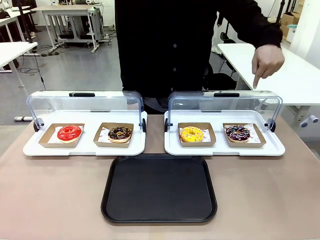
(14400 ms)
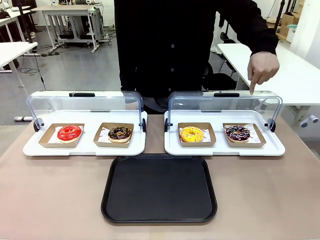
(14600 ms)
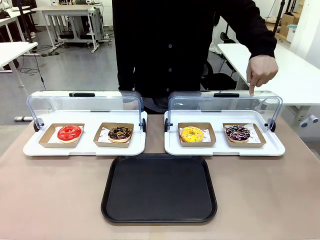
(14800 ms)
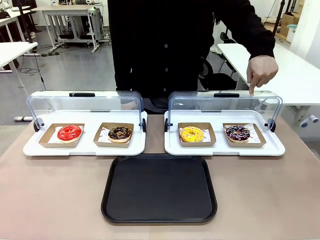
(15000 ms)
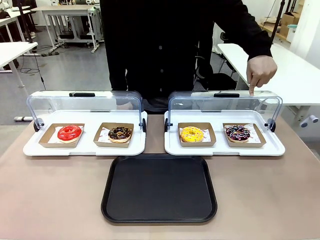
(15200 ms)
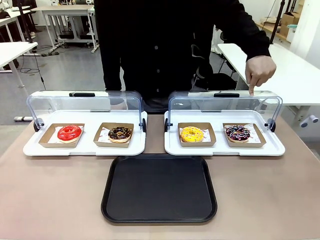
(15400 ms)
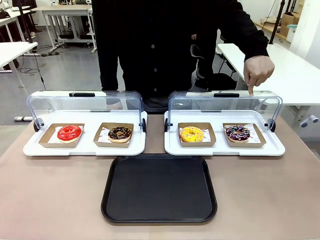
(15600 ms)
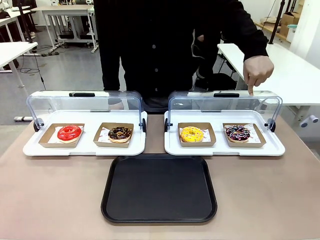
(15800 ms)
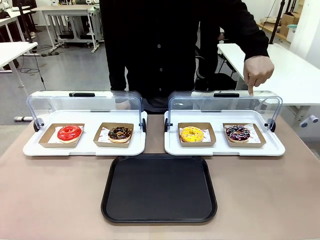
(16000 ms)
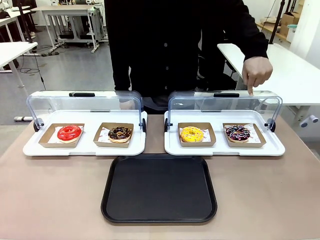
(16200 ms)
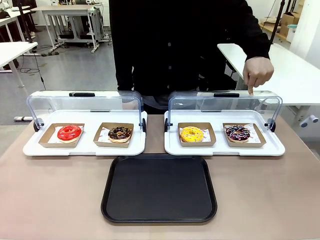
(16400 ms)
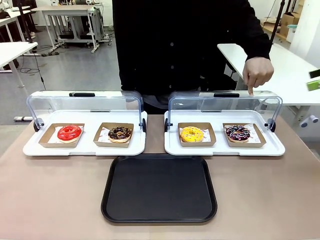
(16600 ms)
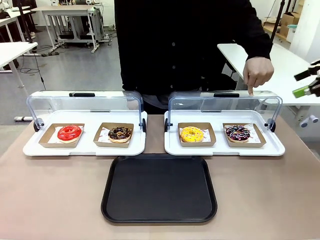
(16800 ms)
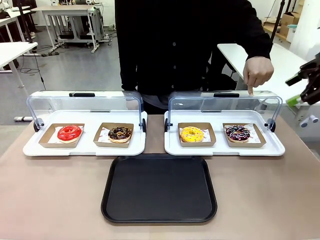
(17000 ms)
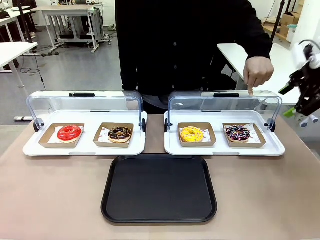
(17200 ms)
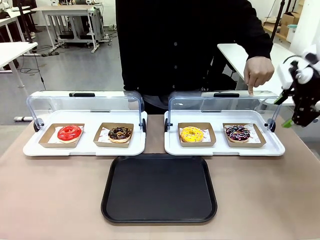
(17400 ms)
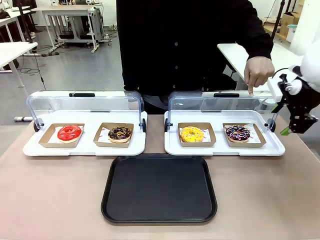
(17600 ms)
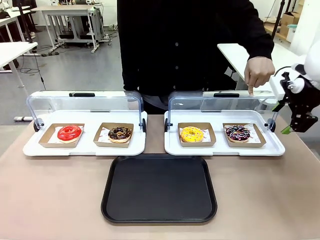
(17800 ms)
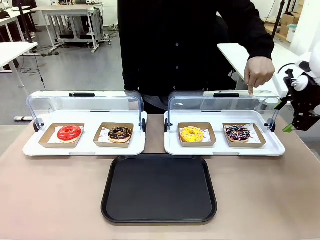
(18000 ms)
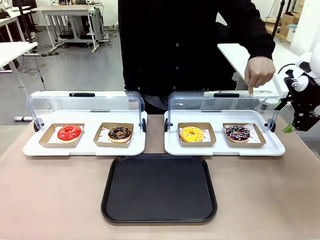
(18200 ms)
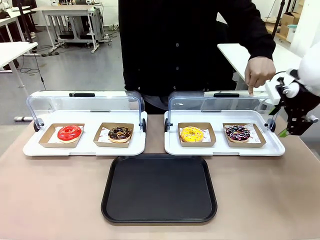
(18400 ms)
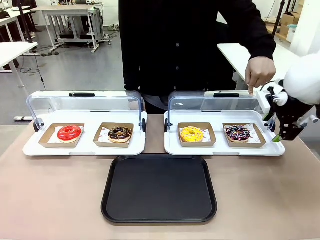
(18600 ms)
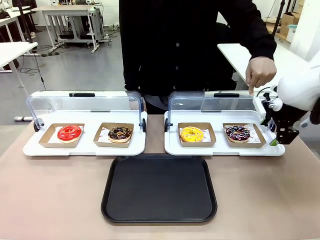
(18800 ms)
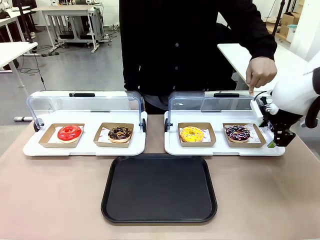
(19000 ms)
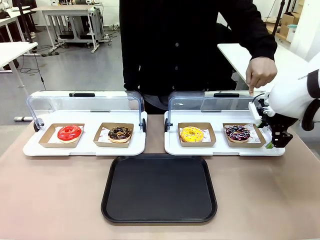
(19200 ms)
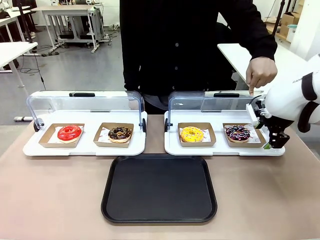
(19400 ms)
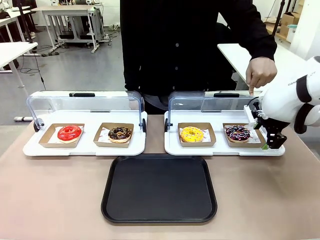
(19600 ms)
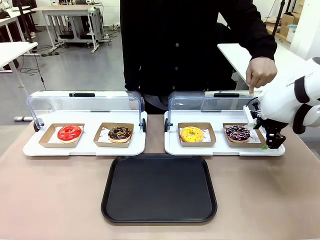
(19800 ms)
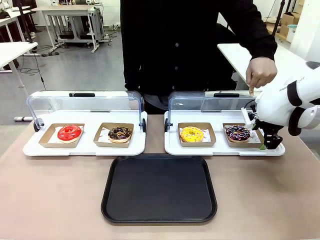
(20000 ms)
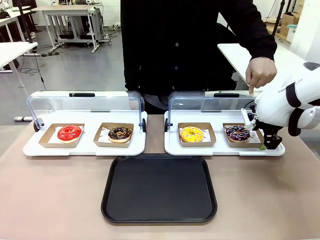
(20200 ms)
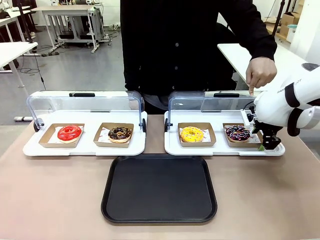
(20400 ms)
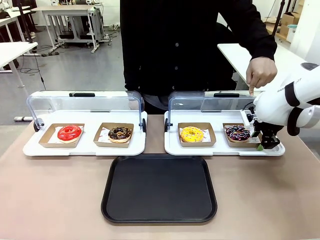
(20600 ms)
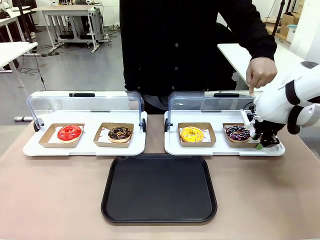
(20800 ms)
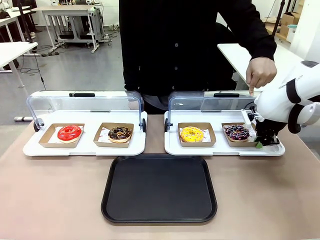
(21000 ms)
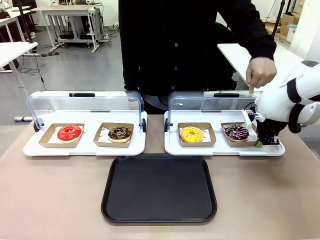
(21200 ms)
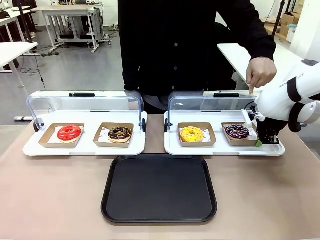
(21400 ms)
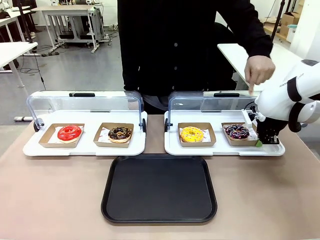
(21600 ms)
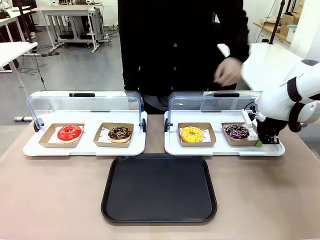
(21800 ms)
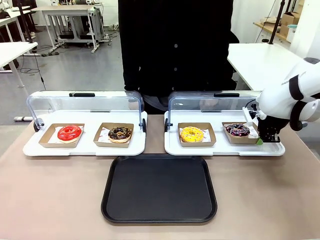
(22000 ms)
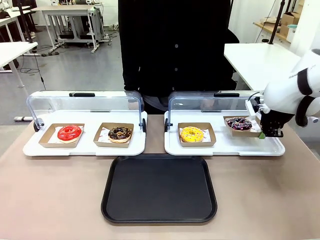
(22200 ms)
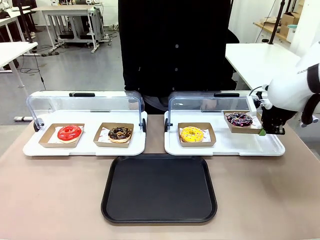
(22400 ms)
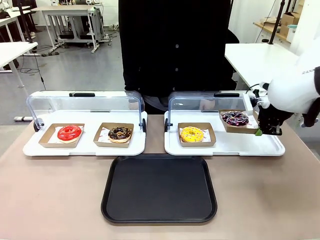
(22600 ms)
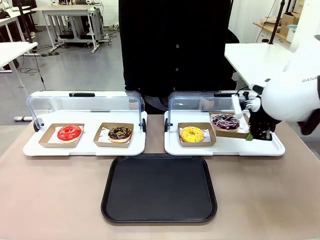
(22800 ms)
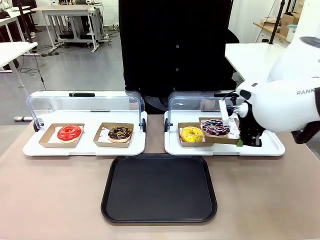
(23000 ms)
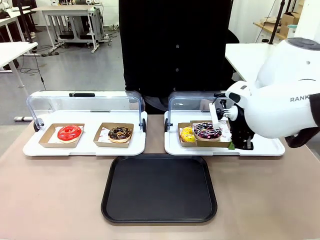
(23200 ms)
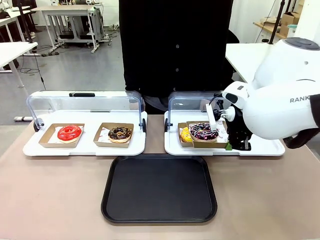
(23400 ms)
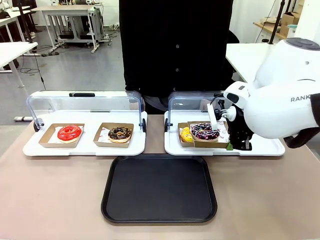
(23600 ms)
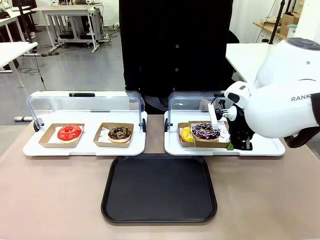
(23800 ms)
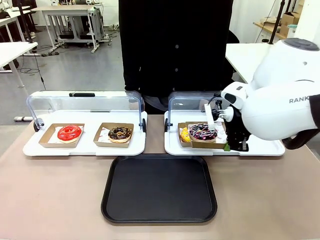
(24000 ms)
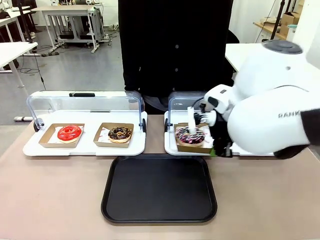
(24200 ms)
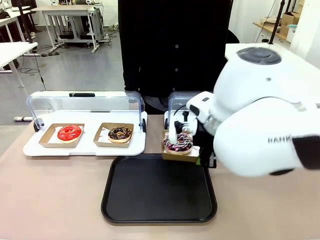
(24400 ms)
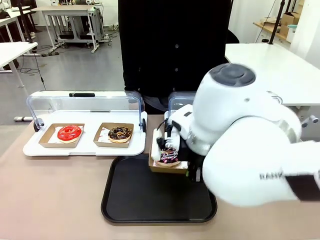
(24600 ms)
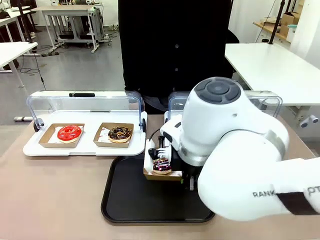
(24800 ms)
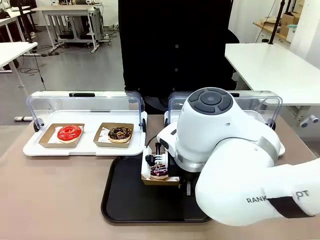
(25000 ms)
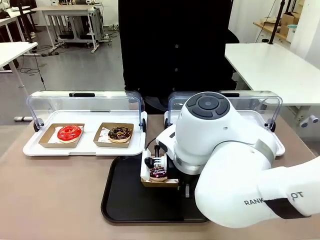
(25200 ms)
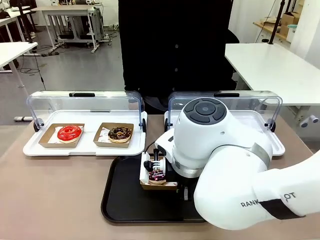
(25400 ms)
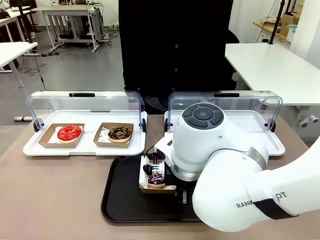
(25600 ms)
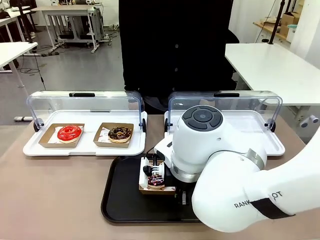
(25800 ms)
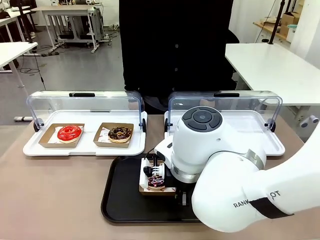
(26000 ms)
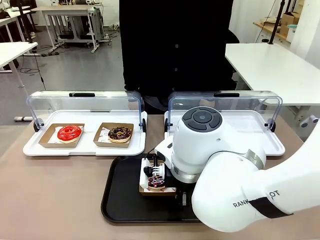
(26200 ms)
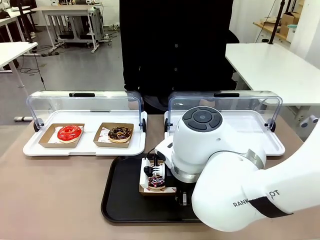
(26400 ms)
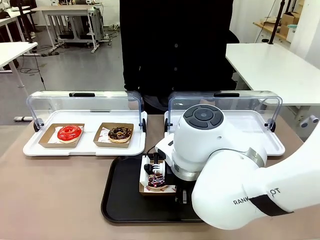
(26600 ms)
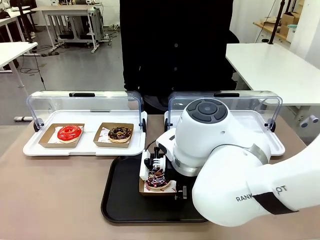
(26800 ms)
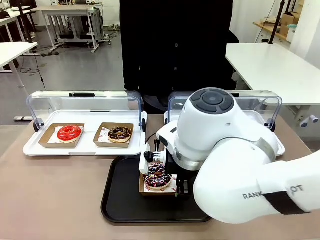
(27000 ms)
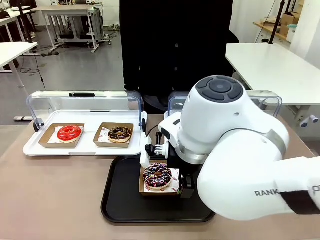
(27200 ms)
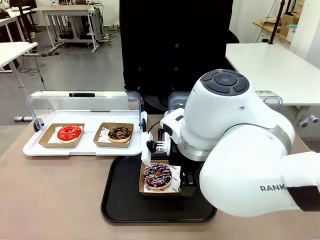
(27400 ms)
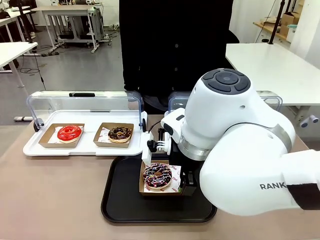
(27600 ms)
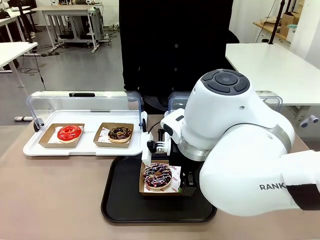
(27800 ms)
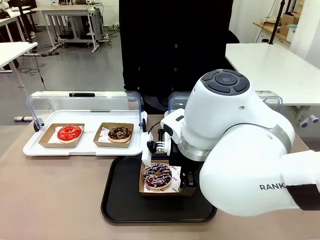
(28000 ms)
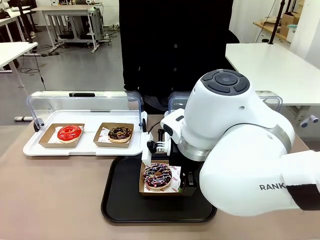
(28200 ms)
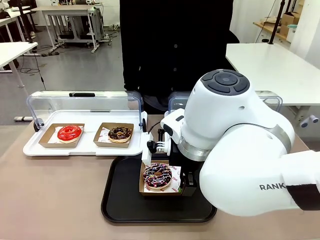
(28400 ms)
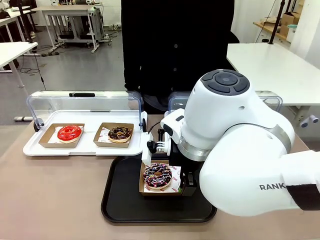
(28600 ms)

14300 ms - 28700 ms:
Task: Move the fourth donut from the left to the tray.
Robot: Pick up the Paper togo box containing the Donut indicated by the person and place it on the Handle tray.
Person: Points to the fourth donut from the left from the robot’s perspective.
